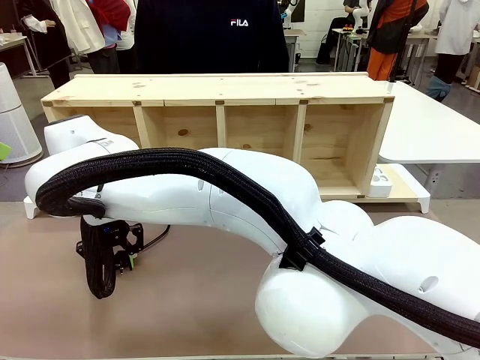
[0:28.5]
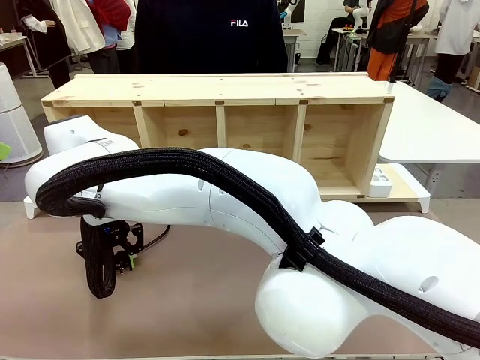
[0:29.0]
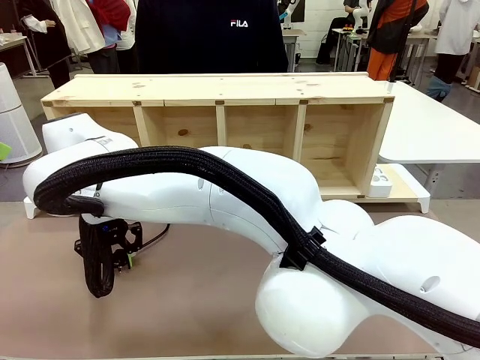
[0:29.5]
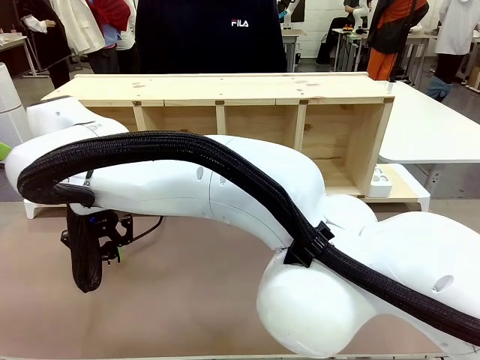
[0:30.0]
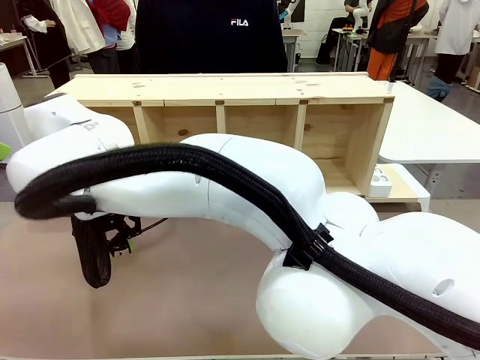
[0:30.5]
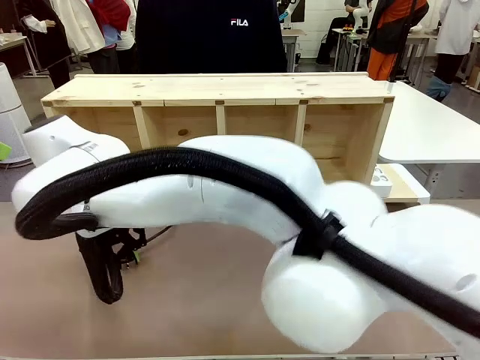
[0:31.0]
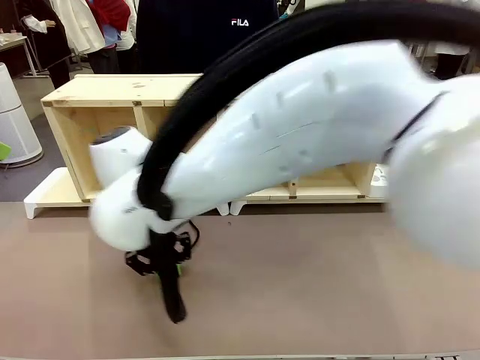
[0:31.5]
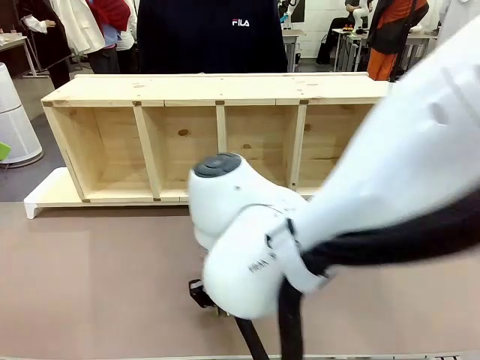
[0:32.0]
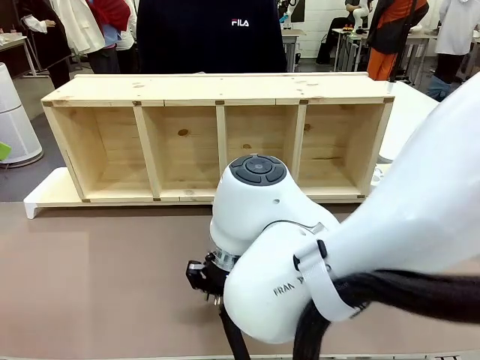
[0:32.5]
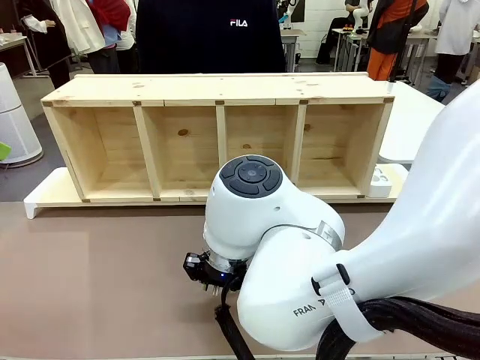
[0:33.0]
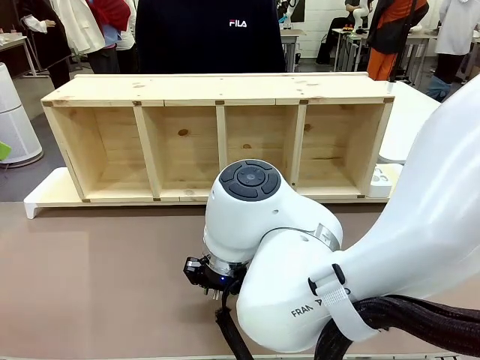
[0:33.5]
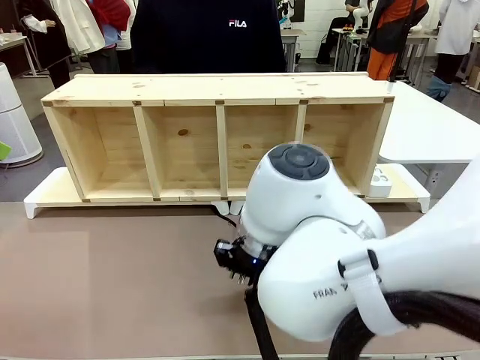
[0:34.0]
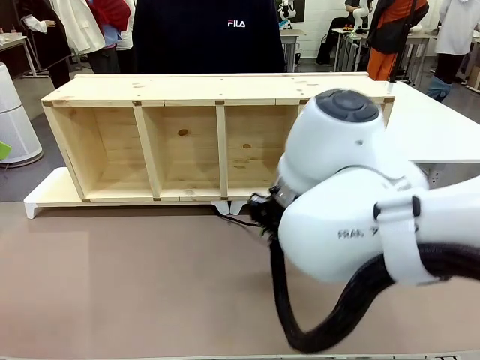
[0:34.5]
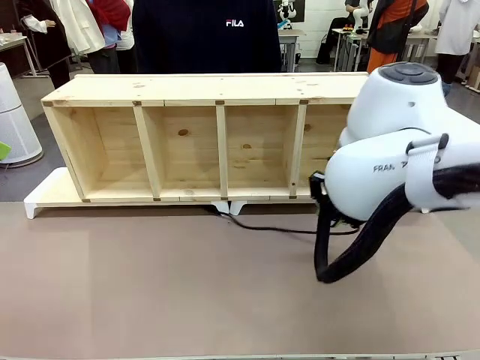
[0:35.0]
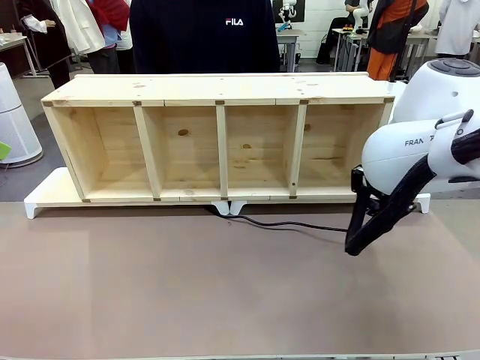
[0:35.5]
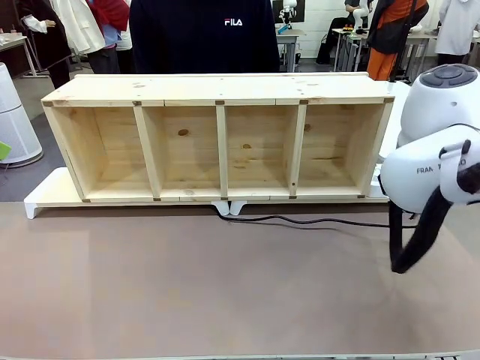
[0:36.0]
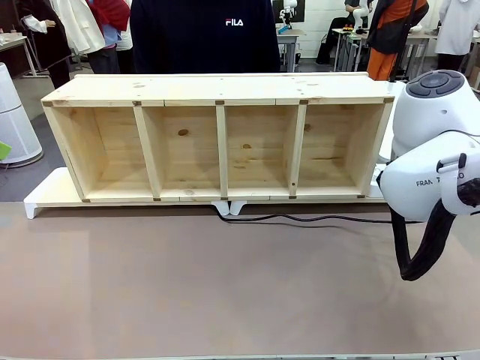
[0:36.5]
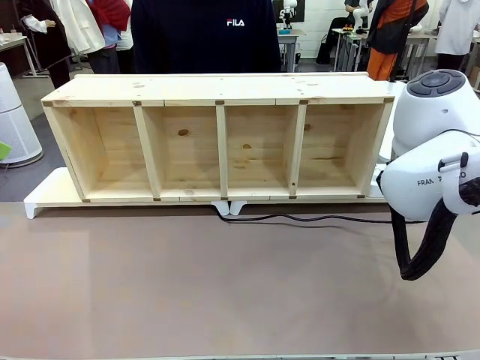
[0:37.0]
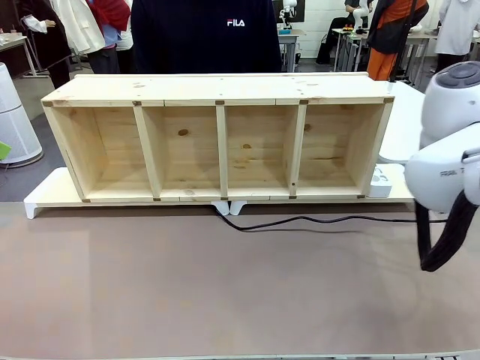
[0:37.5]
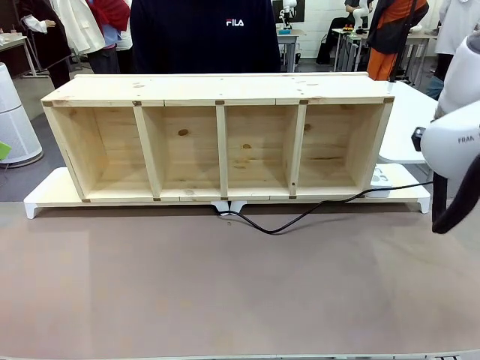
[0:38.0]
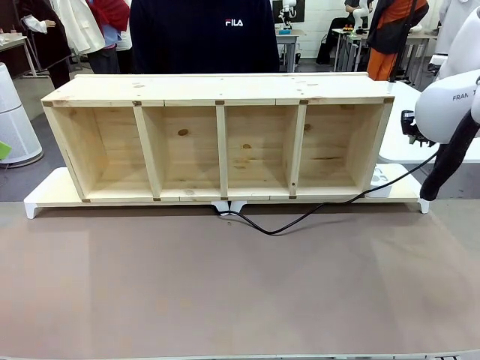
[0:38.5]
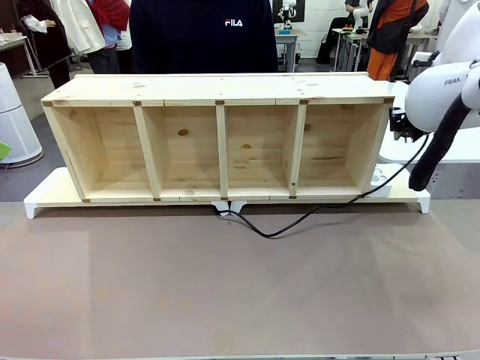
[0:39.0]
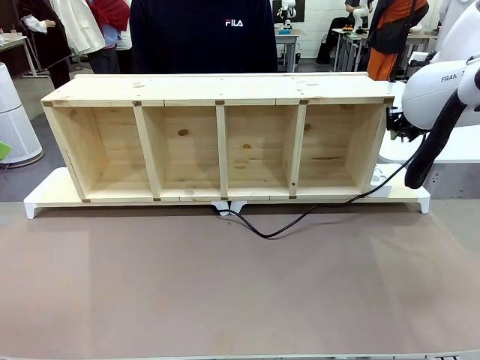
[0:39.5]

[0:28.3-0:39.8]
Task: Perform cable management.
Robot: Pull the grasped Power Cable to the location of the Power Strip.

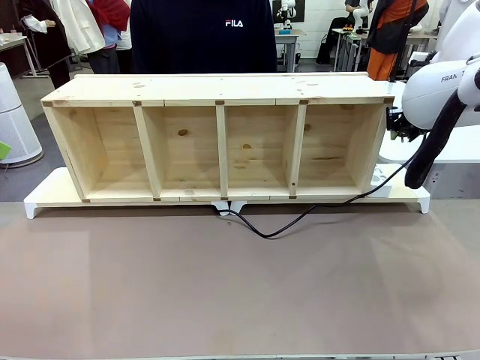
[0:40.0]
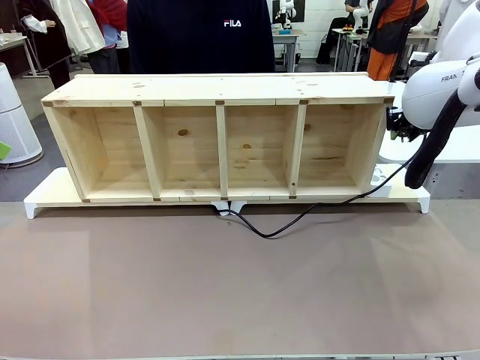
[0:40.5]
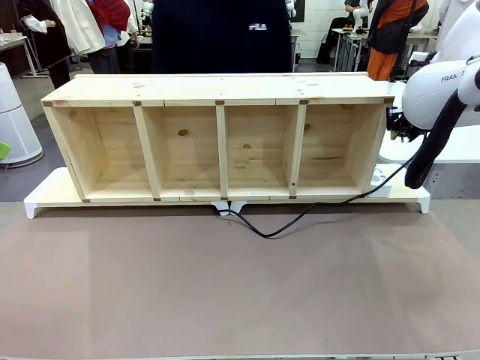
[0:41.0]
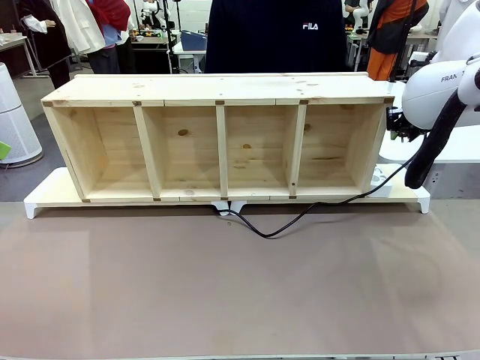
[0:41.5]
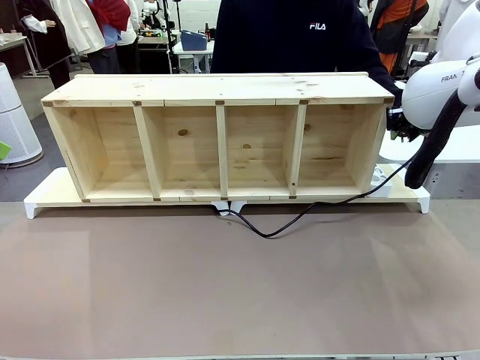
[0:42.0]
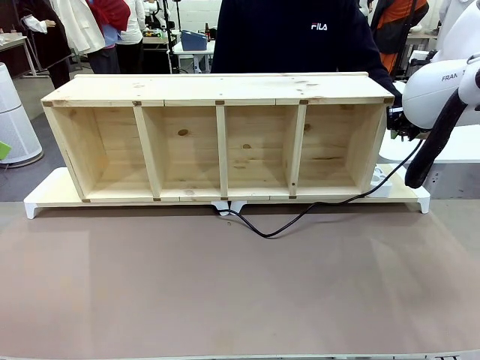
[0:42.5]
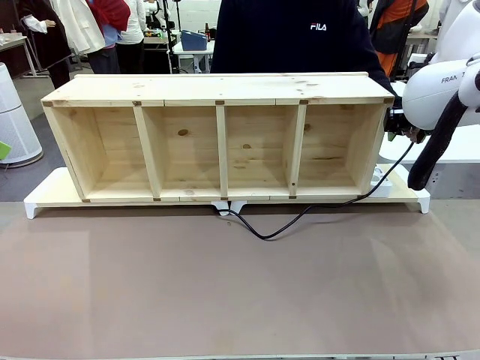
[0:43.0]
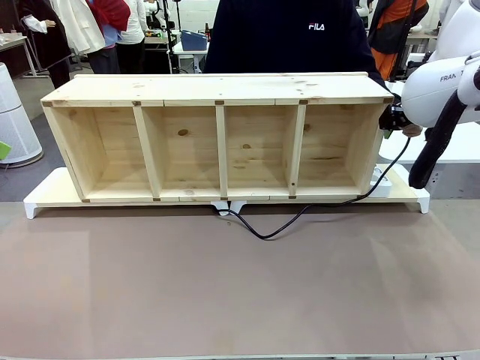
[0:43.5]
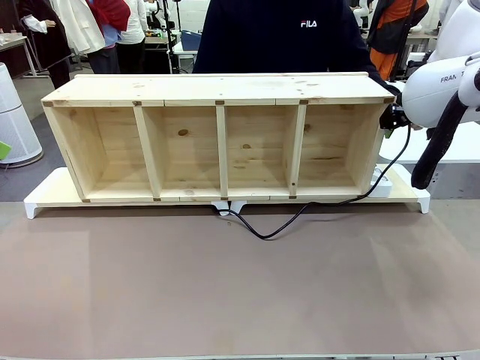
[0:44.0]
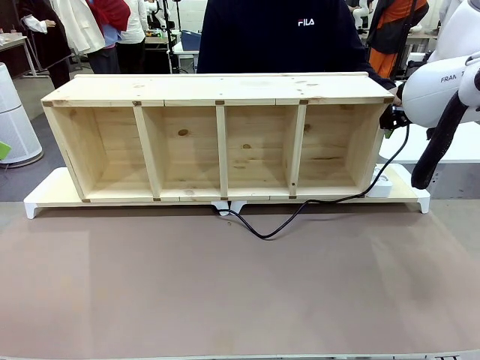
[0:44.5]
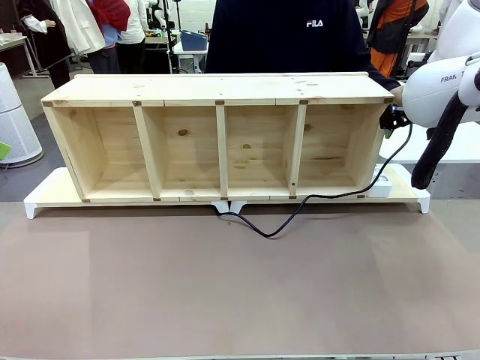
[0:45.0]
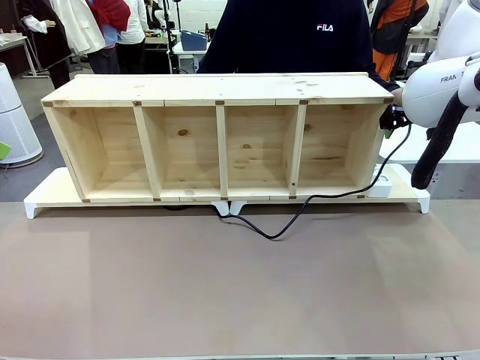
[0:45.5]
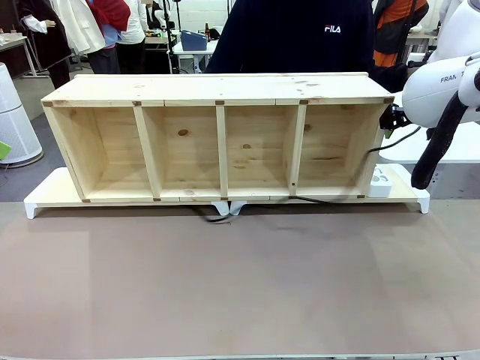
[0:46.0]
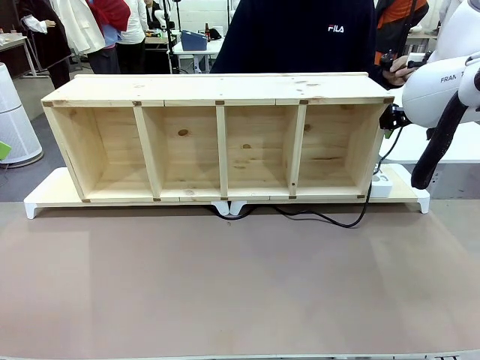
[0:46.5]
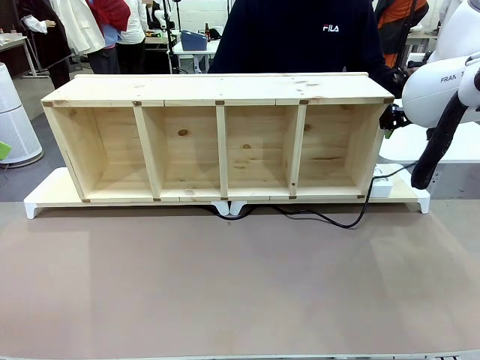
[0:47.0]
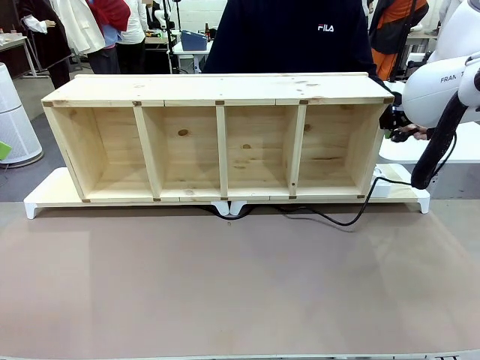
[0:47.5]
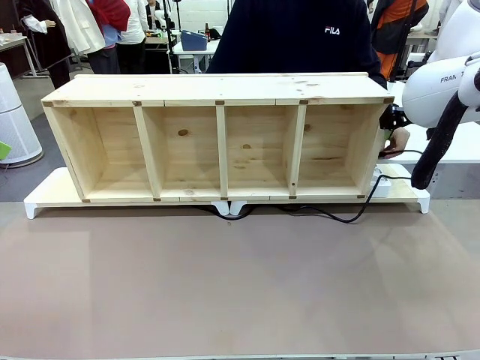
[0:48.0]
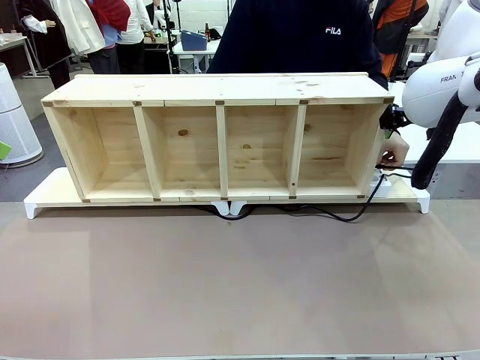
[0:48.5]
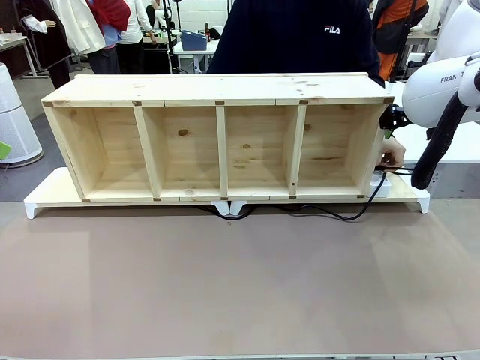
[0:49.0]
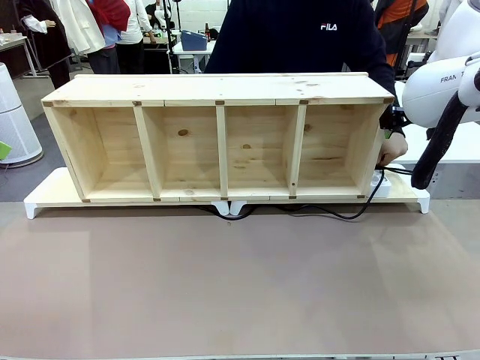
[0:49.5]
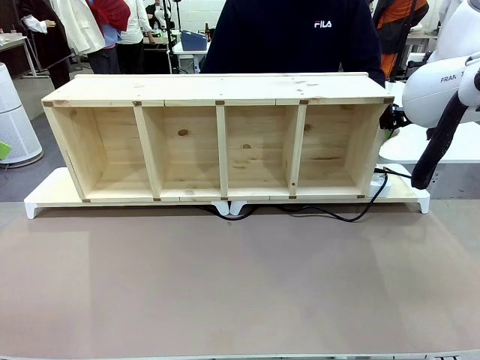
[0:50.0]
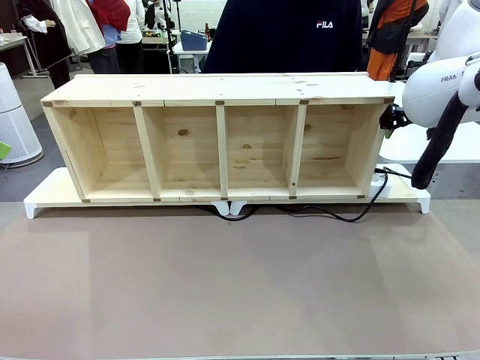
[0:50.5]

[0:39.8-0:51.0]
Robot: Release the Power Cable when the human grasps it.
Person: Plug the Power Cable into the Power Strip.

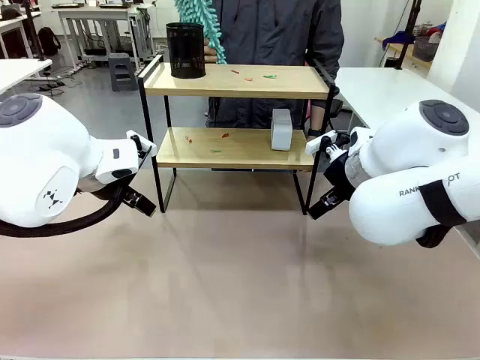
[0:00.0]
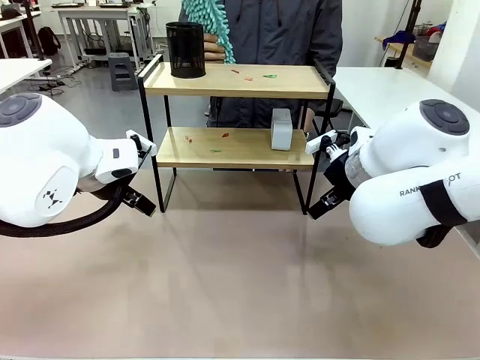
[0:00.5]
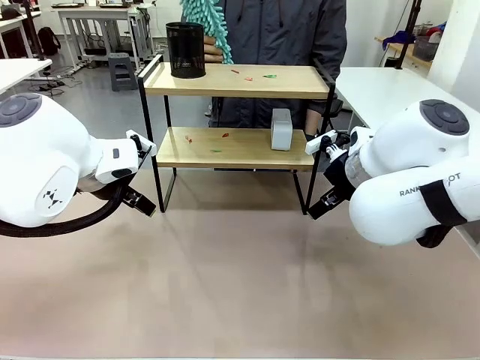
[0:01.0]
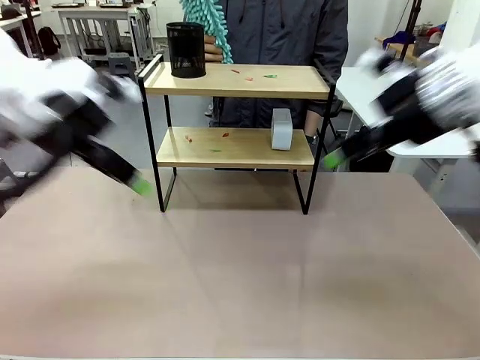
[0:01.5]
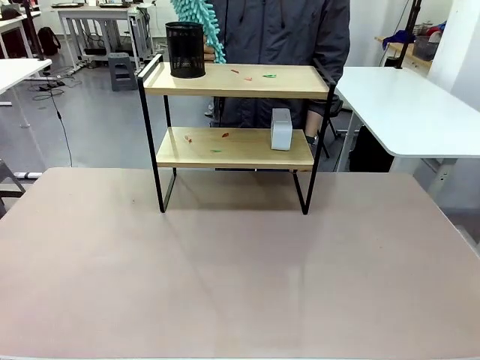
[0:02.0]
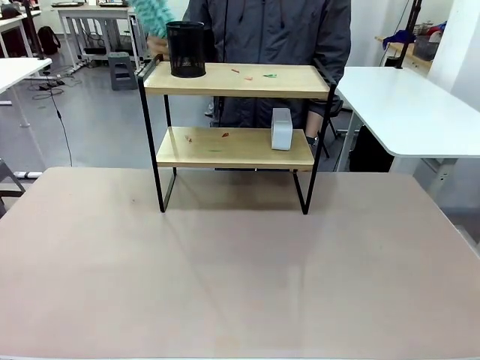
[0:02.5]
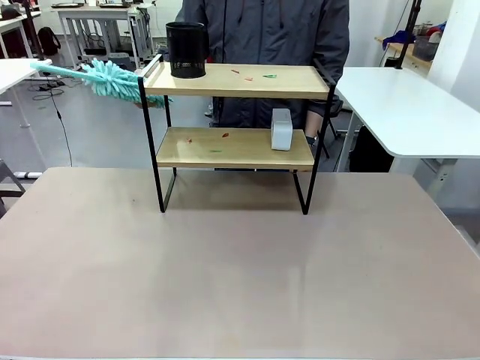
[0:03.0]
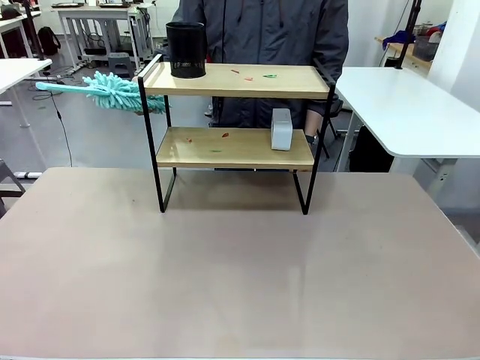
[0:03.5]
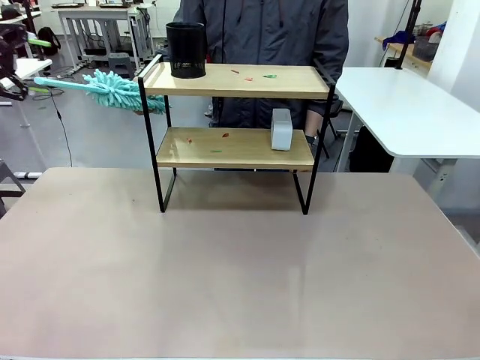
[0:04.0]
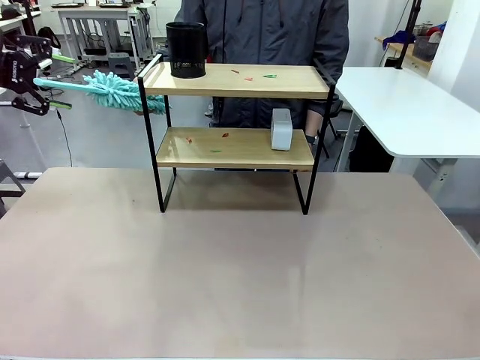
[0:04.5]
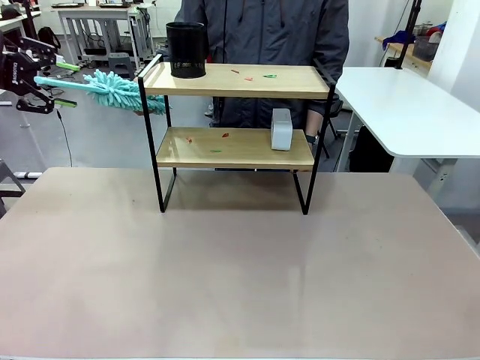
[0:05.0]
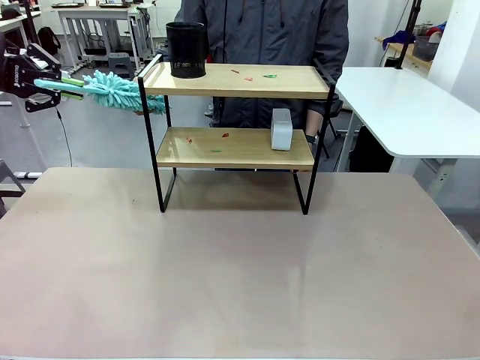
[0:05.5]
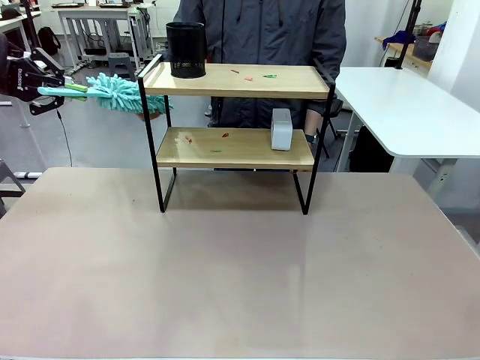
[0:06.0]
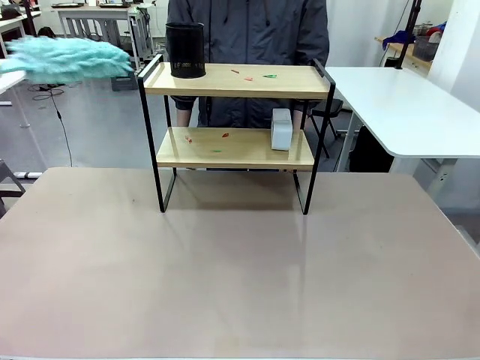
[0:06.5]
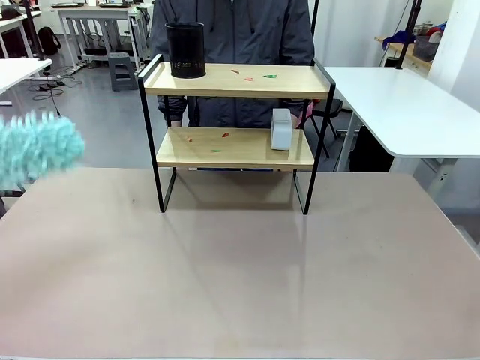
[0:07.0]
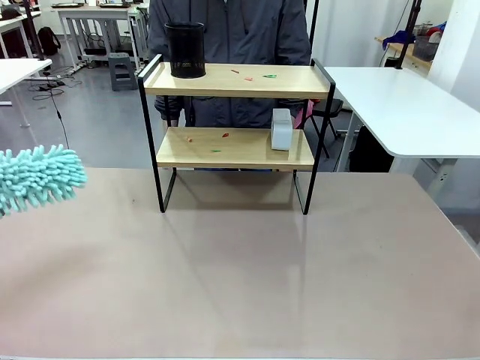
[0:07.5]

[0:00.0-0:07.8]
Task: Clean the shelf.
Robot: Pick up the Duster from the human.
Person: Hand the Duster to the robot.
